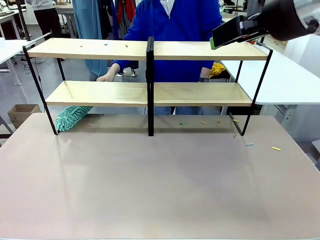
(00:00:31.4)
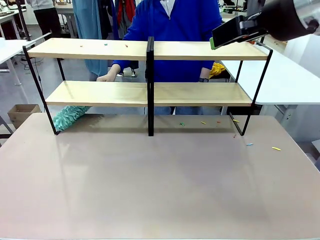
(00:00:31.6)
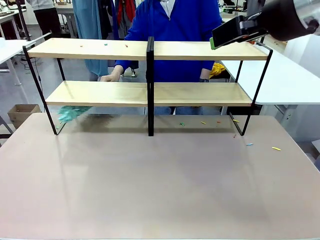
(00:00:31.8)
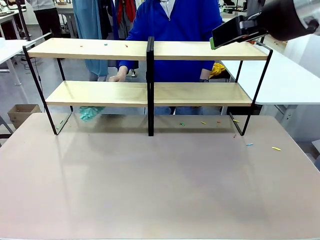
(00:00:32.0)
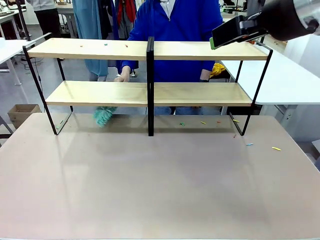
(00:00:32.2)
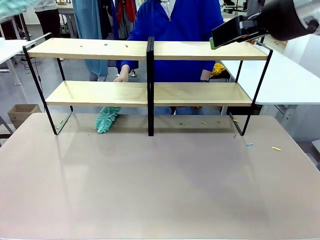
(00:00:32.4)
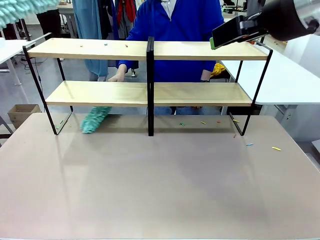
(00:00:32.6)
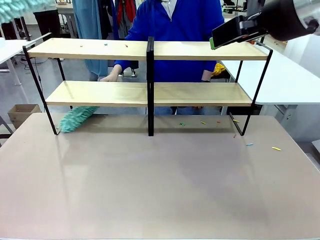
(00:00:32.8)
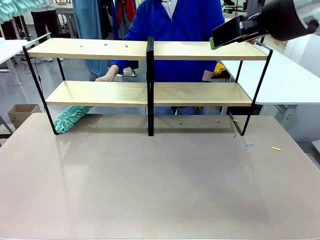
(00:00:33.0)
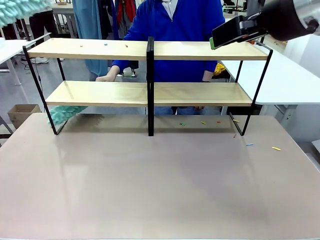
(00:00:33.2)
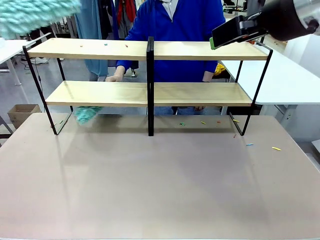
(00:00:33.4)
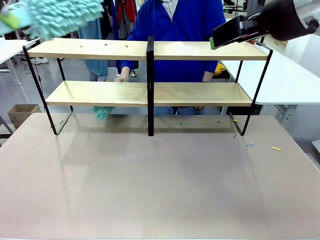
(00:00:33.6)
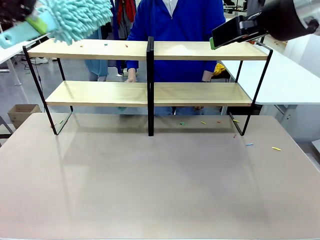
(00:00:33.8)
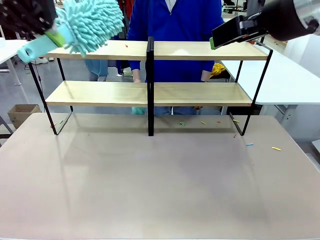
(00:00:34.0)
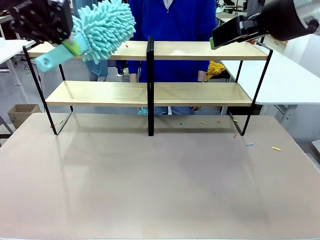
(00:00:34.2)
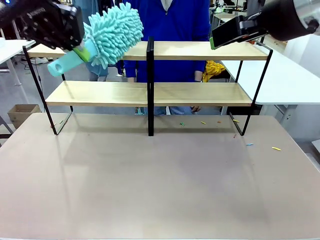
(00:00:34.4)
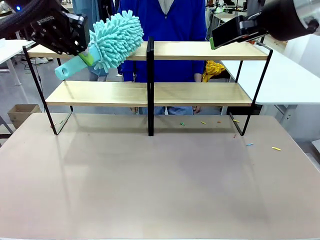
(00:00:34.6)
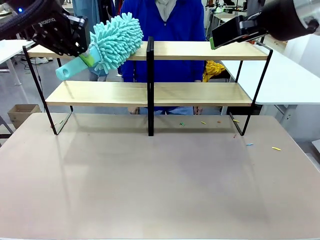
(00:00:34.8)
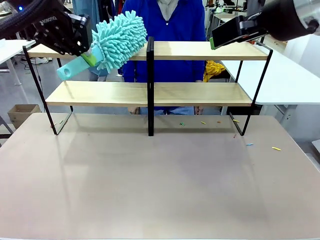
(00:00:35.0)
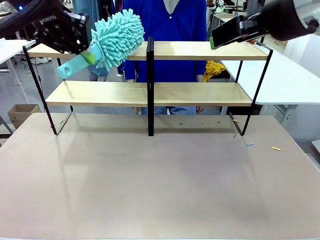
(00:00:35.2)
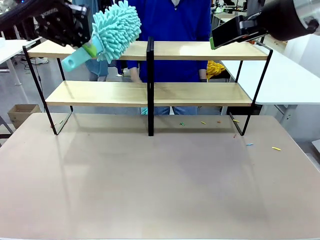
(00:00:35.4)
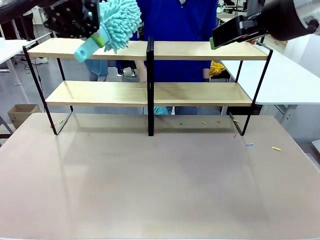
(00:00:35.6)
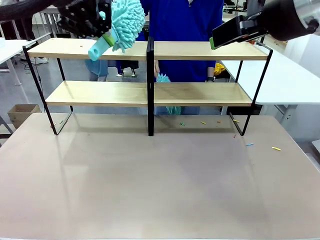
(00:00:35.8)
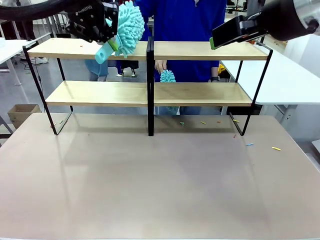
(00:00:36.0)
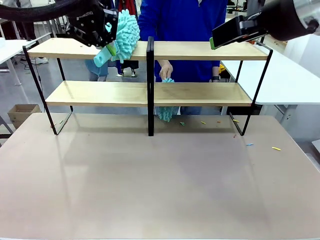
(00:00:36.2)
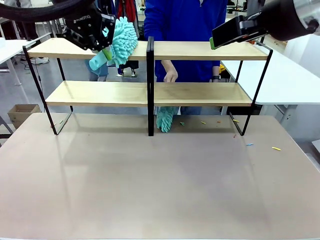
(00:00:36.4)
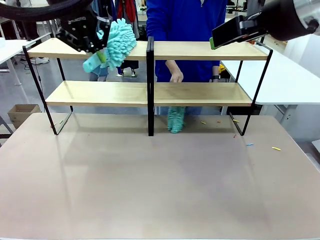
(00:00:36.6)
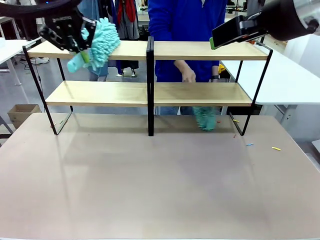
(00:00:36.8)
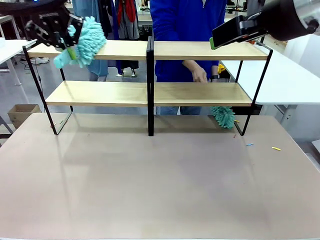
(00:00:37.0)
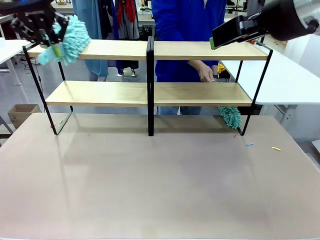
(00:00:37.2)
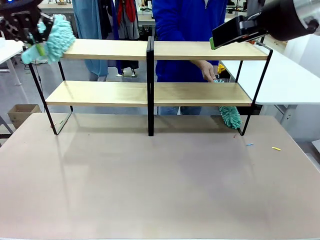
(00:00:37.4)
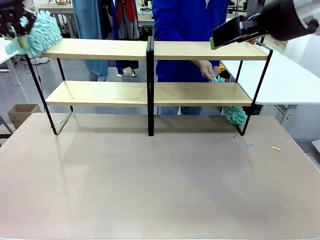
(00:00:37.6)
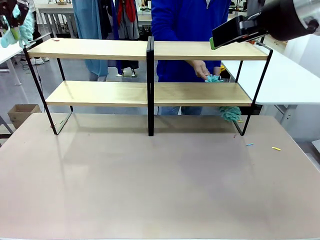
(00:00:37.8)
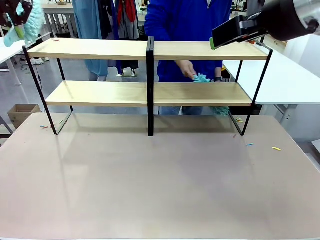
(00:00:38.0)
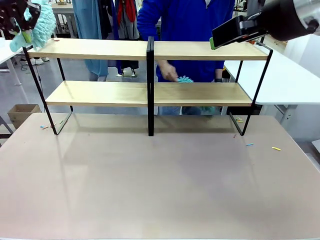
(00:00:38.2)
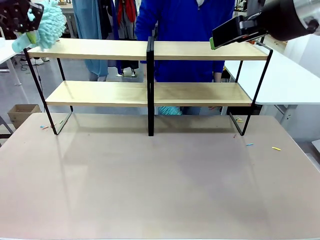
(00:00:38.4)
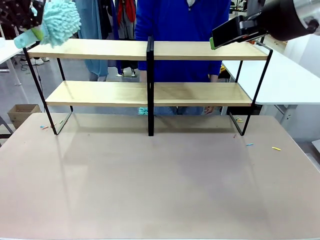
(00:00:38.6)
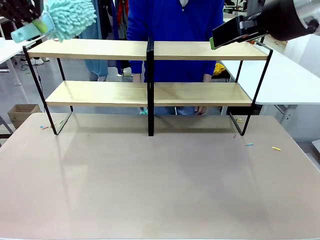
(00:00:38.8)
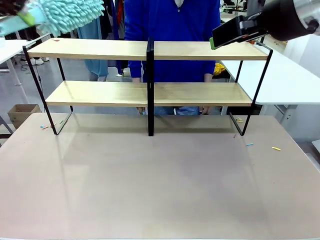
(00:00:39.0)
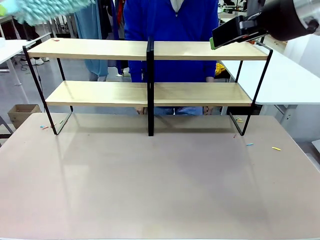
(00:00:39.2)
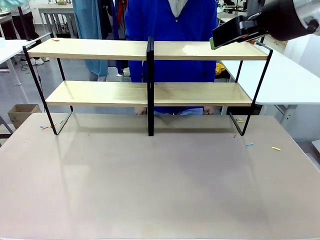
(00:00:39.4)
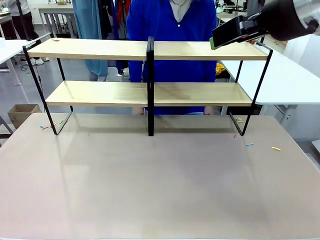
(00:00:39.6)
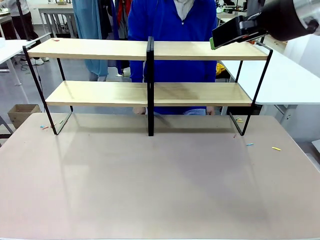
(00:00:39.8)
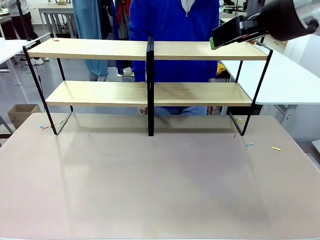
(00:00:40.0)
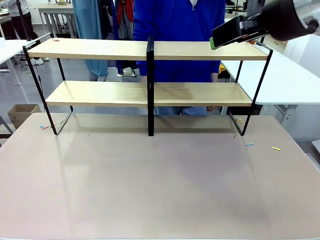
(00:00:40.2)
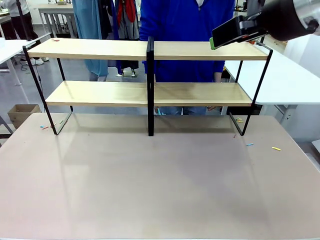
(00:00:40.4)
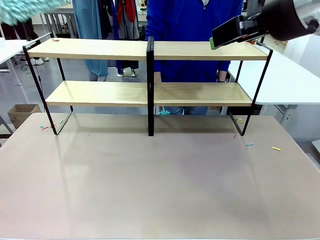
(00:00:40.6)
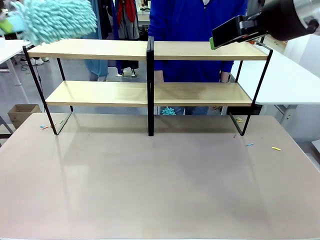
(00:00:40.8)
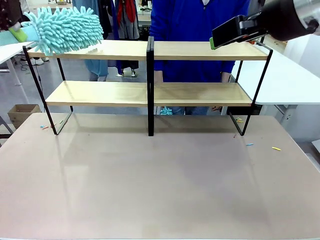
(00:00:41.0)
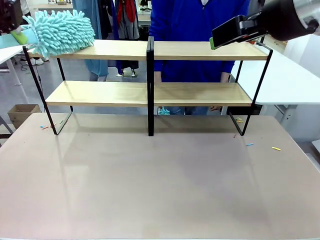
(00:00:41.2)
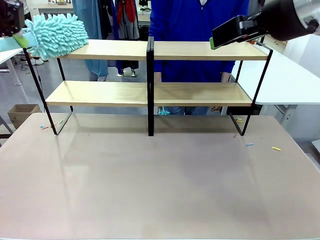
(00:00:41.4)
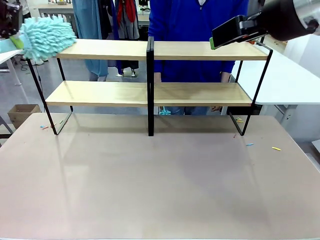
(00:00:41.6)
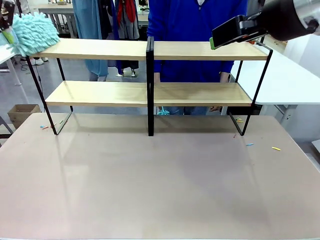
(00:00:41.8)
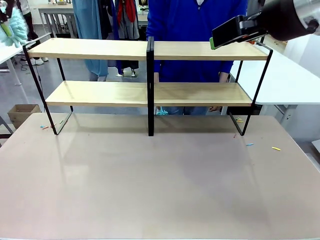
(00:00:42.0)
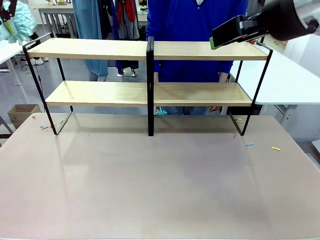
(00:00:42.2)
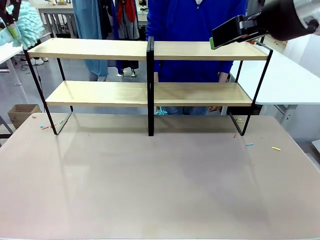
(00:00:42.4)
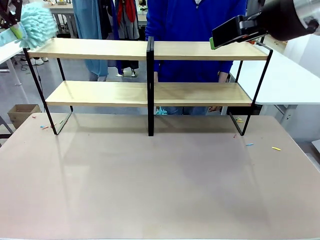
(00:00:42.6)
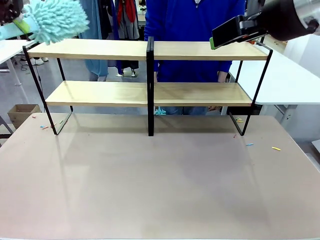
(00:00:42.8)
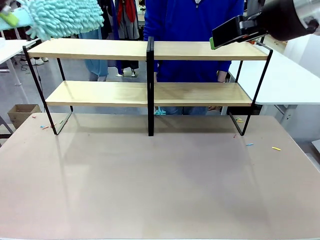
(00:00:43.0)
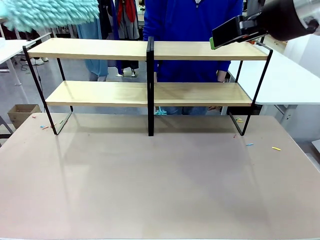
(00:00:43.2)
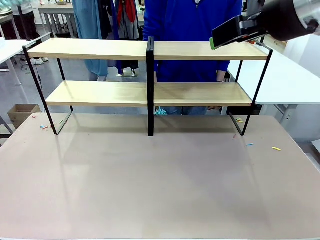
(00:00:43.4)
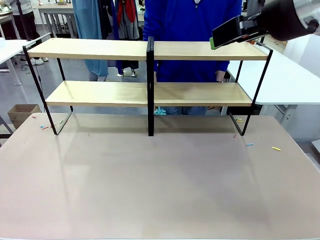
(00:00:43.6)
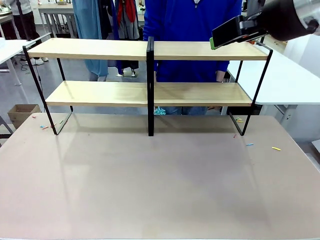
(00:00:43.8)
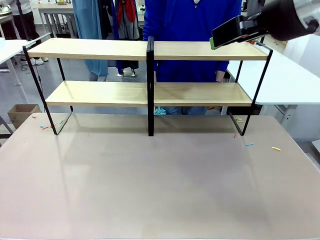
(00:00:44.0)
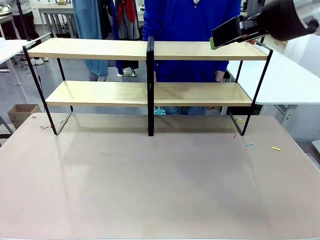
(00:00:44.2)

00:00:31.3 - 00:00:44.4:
Task: Clean the shelves.
Robot: Clean another randomly selected level of the Shelf with the Duster.

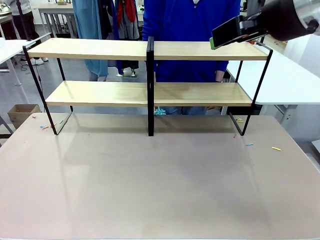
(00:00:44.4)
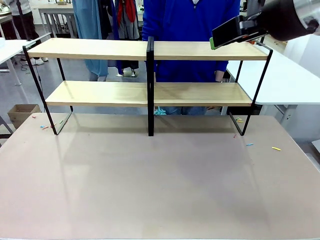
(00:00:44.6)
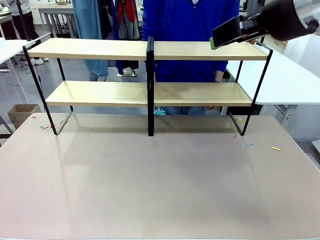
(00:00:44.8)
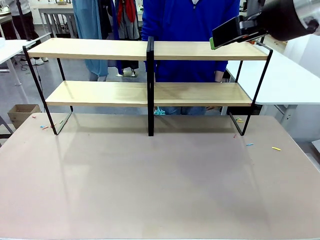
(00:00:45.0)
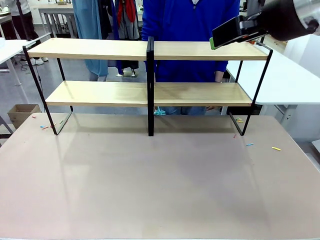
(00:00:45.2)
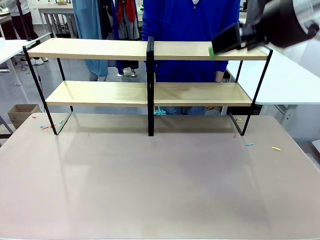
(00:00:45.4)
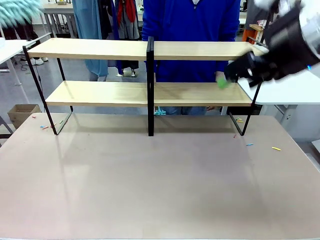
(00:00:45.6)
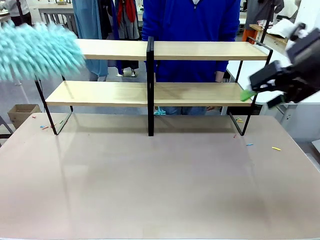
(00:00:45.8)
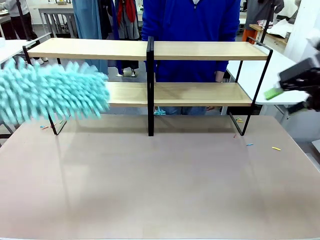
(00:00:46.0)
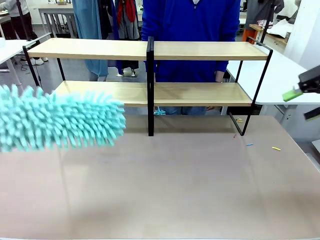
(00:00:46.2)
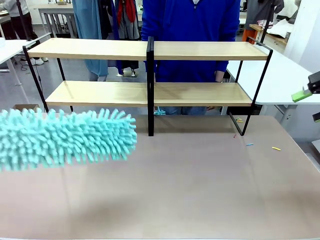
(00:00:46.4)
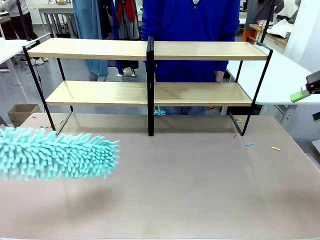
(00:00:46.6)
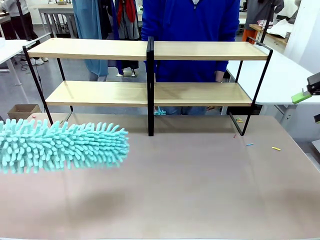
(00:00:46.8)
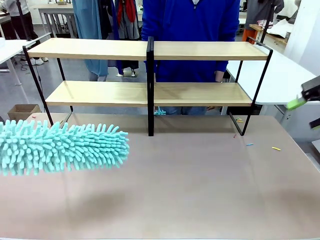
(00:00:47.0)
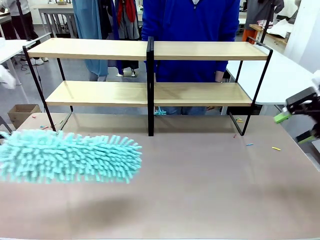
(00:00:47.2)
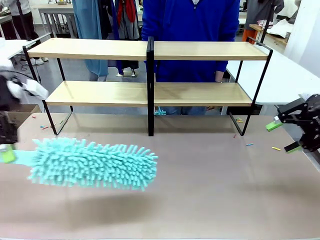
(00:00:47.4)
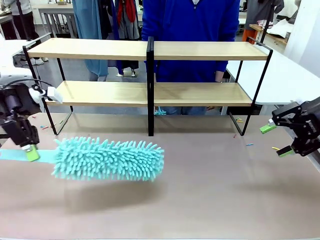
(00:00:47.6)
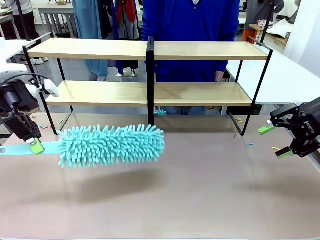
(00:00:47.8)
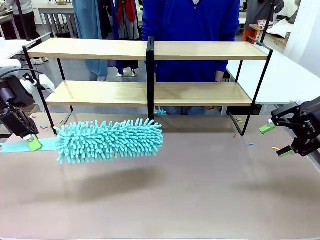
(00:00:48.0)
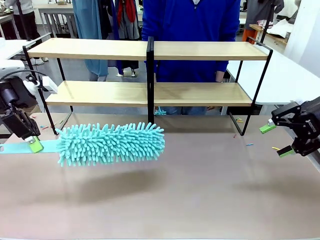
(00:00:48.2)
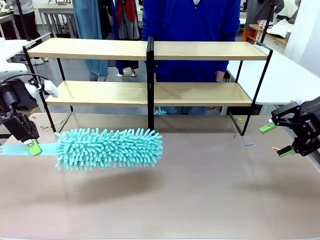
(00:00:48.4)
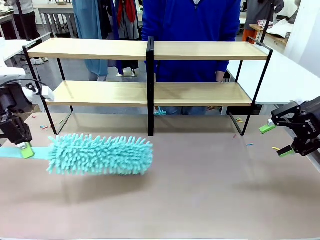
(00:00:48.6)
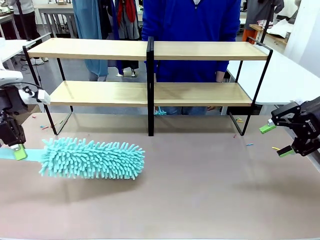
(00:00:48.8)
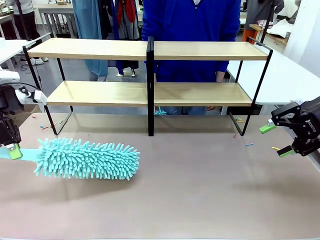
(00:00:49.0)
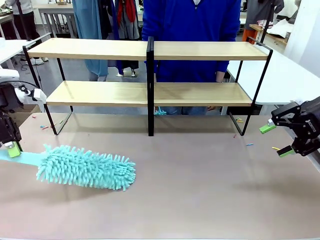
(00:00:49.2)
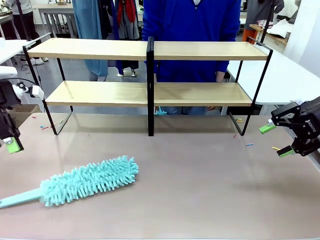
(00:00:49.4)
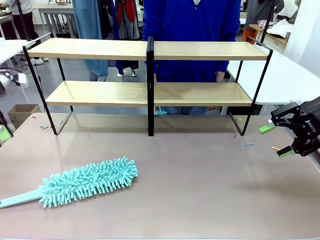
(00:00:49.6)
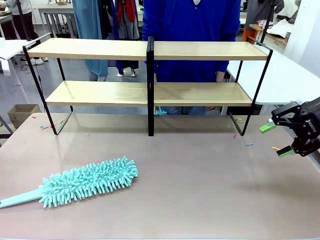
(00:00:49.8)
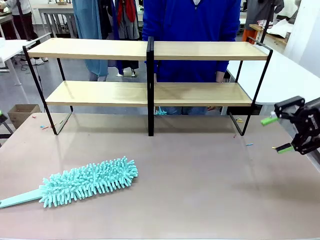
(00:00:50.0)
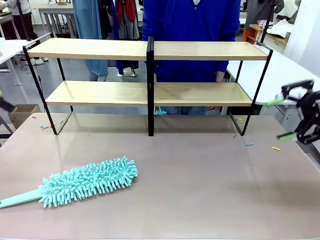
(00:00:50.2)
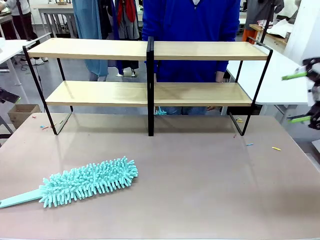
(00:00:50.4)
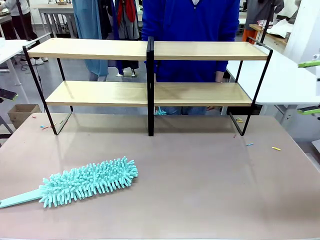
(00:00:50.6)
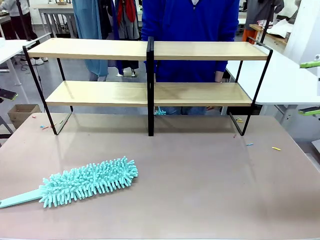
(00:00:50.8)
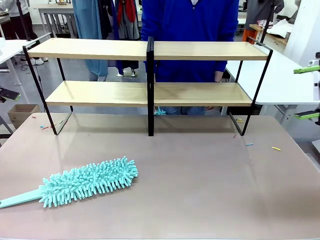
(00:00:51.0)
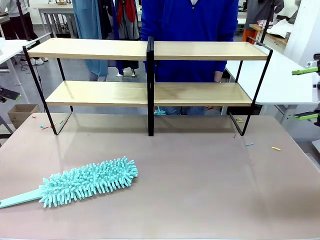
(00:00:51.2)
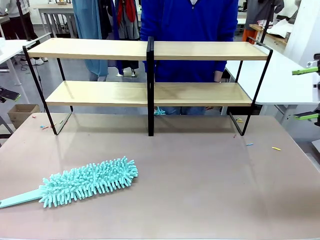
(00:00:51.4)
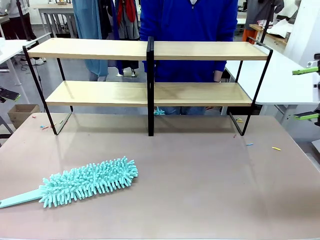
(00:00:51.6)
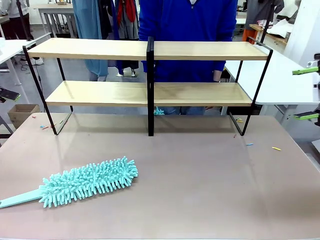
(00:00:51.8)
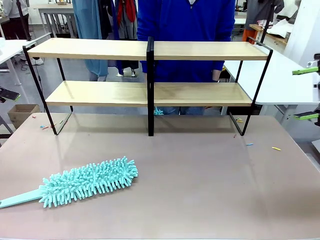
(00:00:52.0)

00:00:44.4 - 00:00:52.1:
Robot: Place the Duster on the table.
